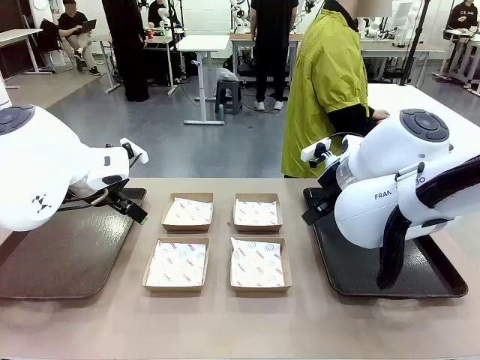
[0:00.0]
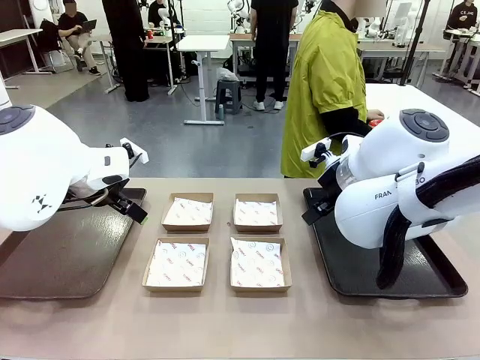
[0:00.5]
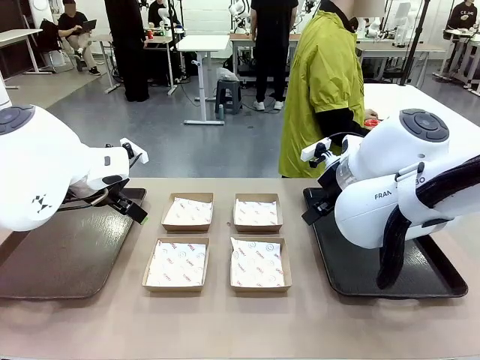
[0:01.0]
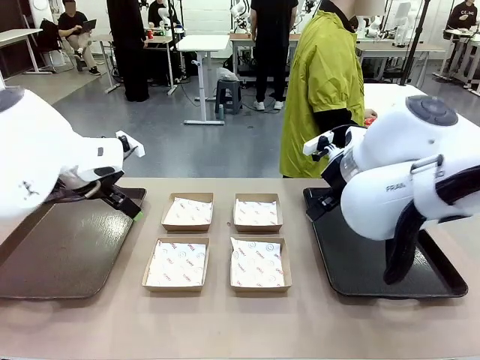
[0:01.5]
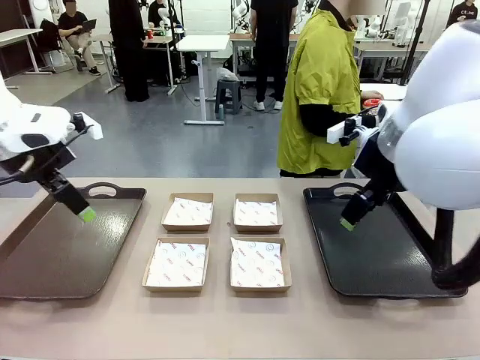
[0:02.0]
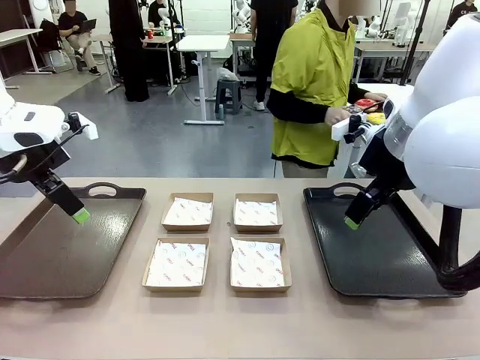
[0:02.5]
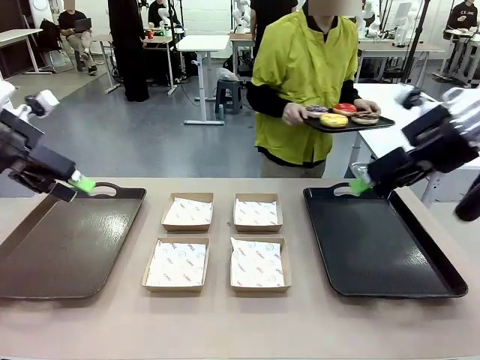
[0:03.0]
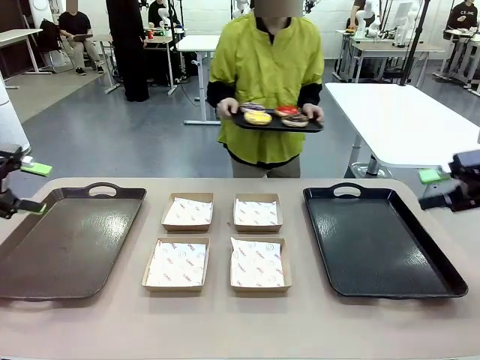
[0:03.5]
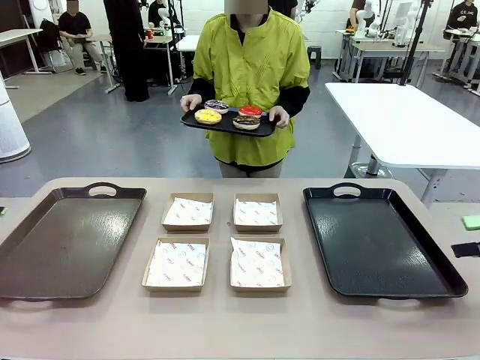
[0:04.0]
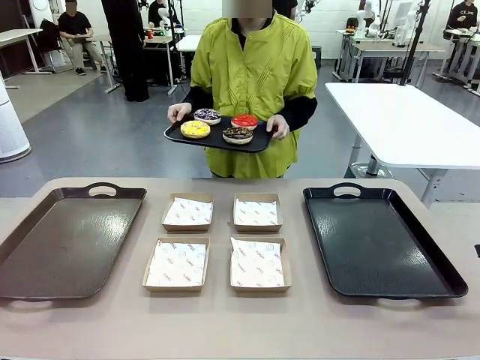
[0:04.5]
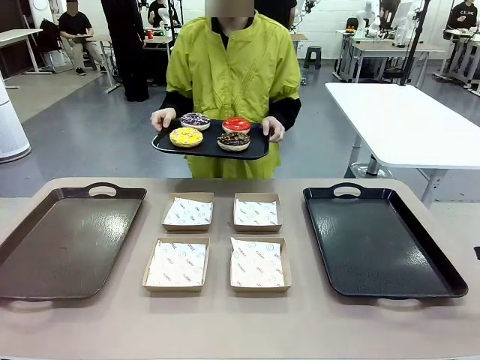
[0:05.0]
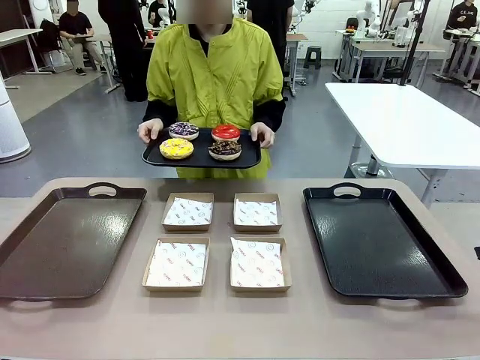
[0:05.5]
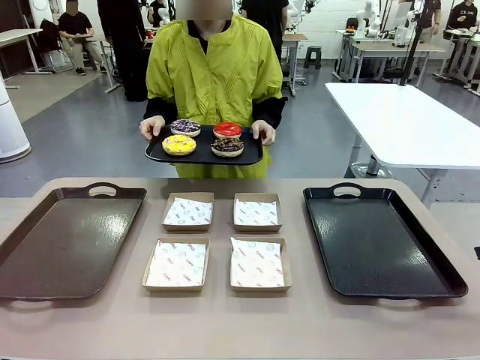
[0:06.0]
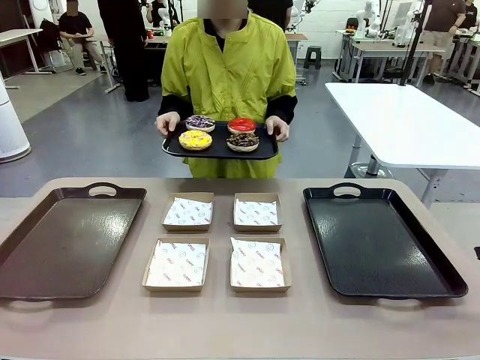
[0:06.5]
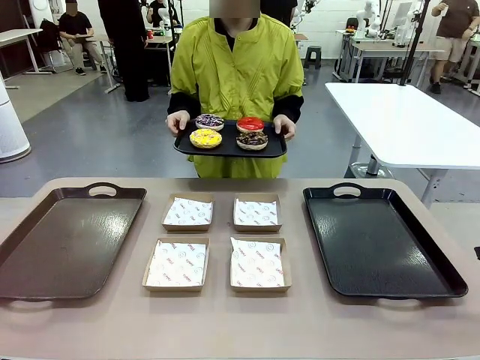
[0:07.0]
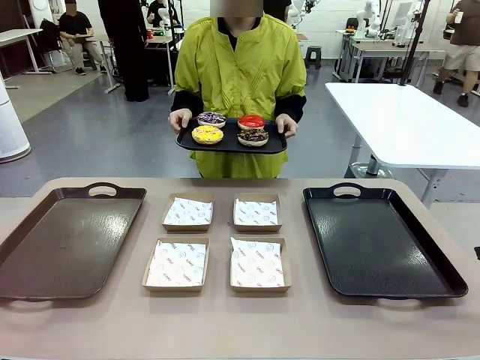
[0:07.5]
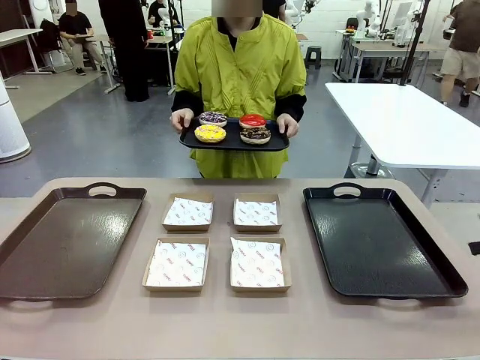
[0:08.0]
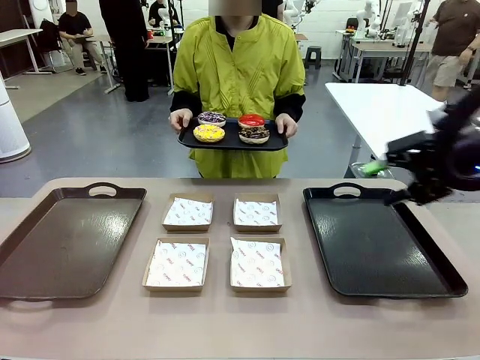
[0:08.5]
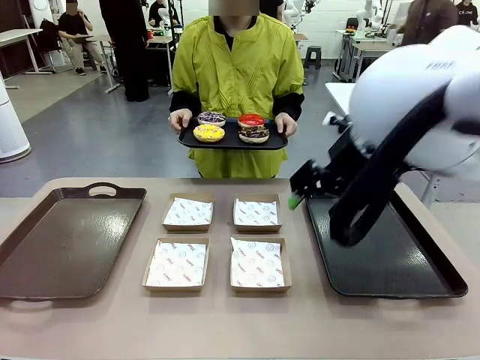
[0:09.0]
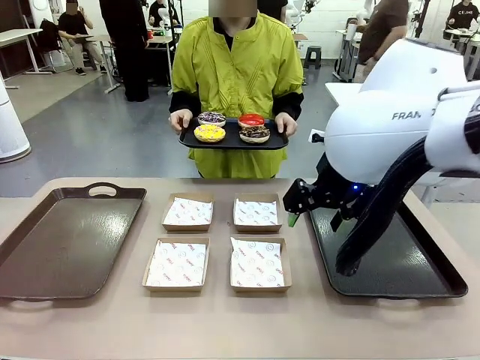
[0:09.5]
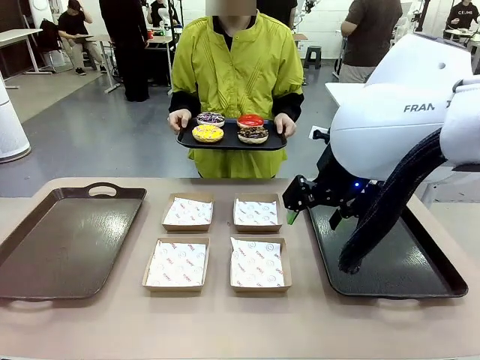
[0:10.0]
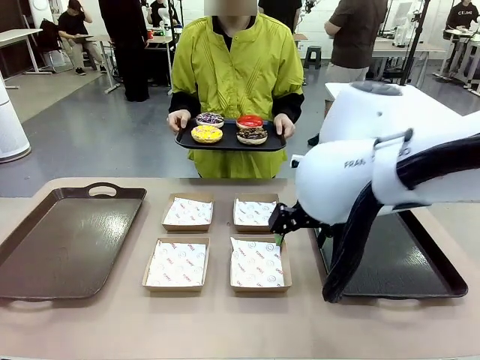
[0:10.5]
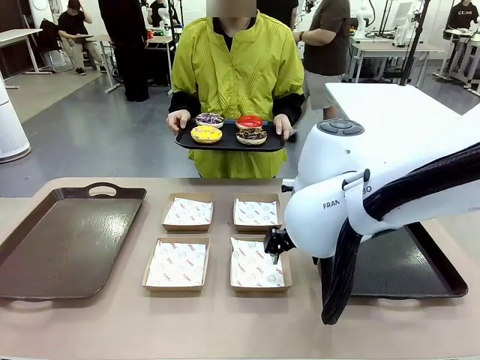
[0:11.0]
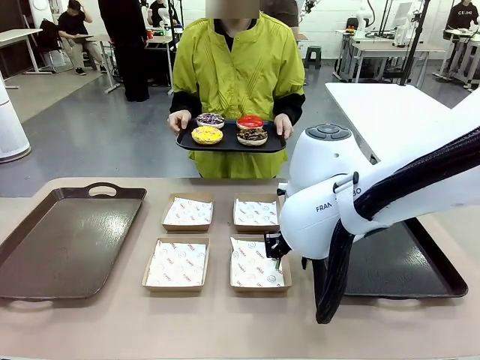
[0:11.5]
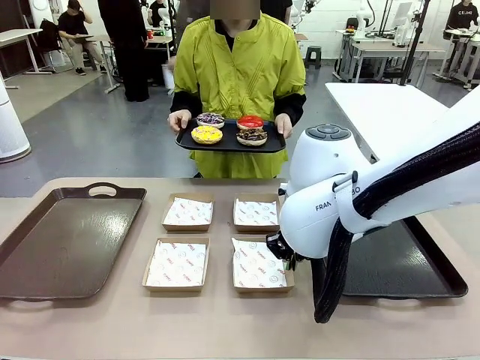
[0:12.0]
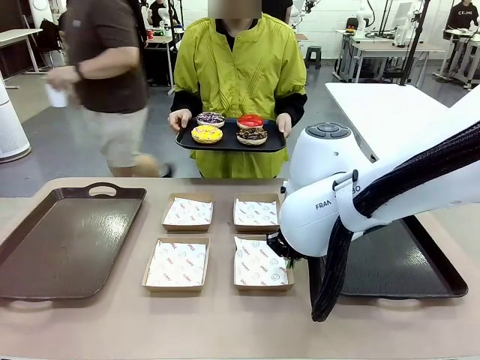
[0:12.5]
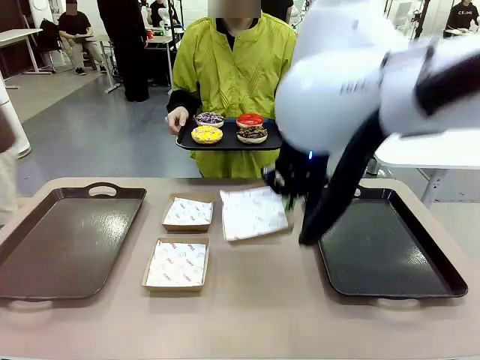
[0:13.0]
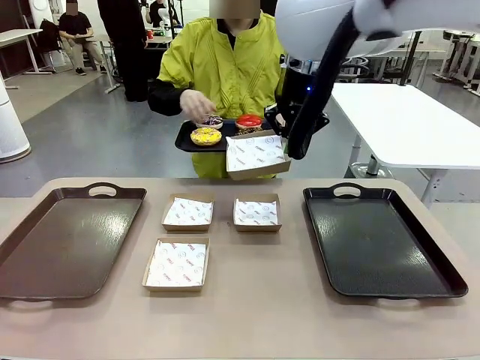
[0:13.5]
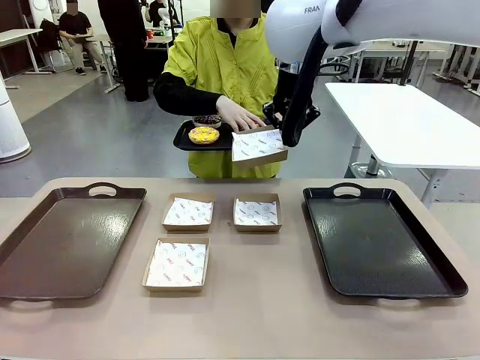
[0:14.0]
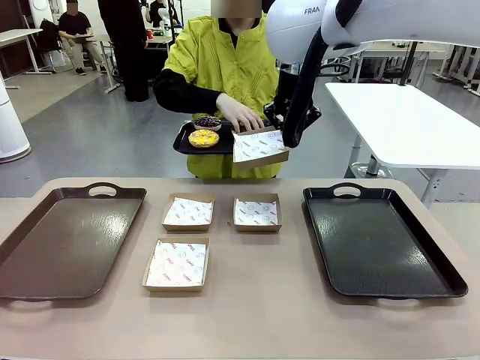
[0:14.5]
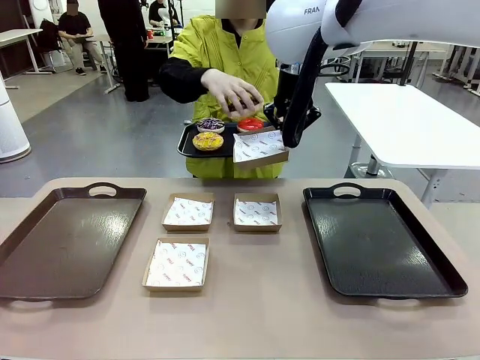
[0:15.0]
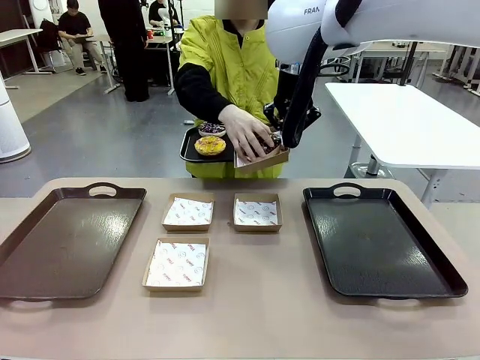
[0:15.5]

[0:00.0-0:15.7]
Task: Individually package the donuts and arrange them on the tray.
Robot: Pick up one Paper togo box.
Person: Stand in front of the robot table holding the tray containing the donuts.
